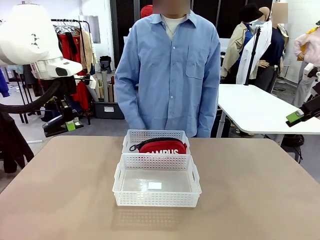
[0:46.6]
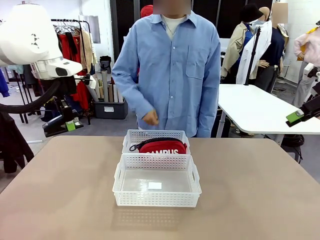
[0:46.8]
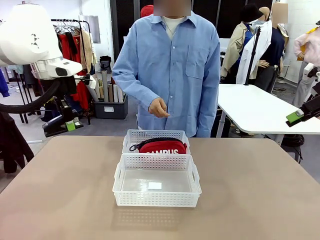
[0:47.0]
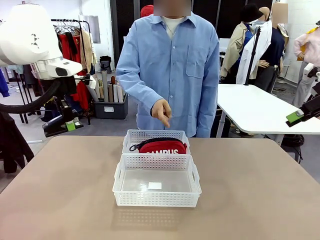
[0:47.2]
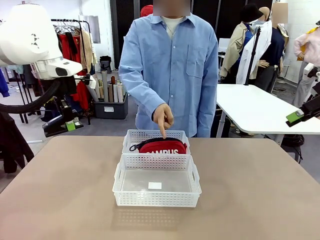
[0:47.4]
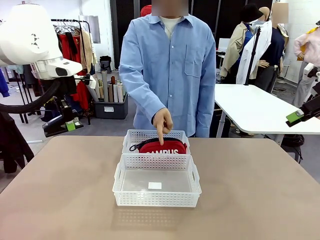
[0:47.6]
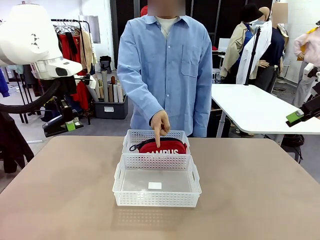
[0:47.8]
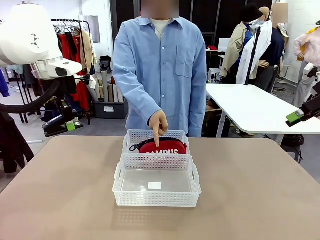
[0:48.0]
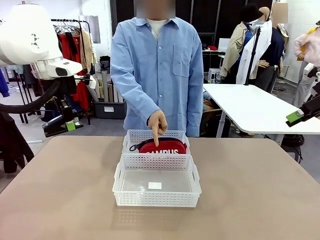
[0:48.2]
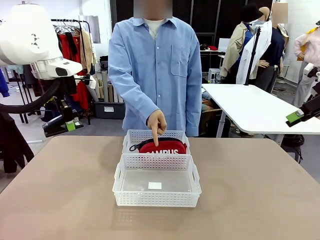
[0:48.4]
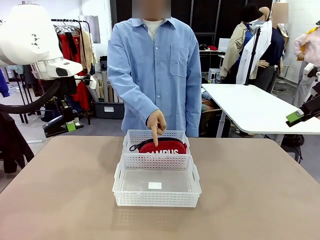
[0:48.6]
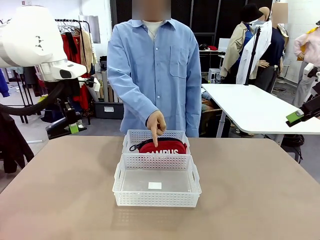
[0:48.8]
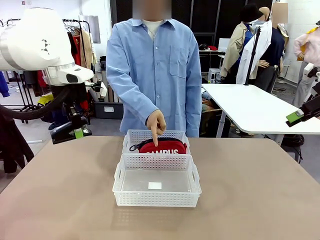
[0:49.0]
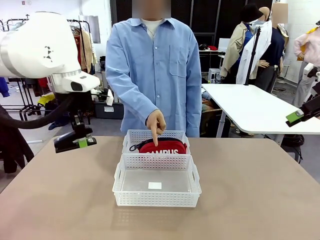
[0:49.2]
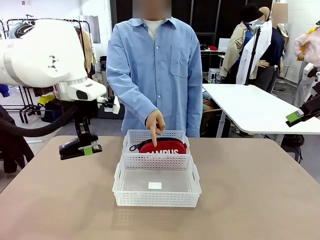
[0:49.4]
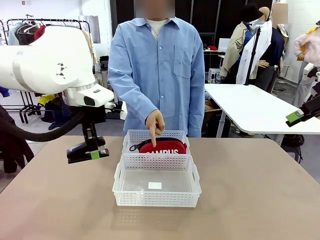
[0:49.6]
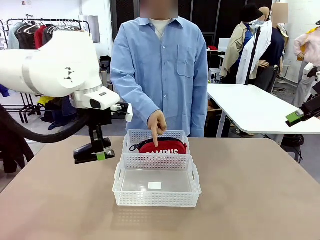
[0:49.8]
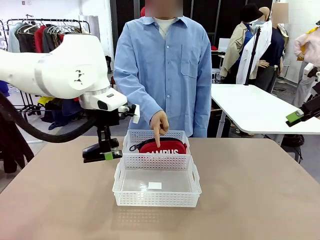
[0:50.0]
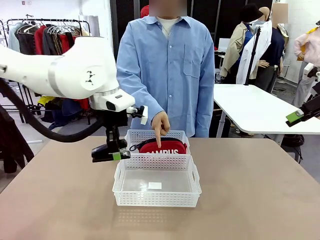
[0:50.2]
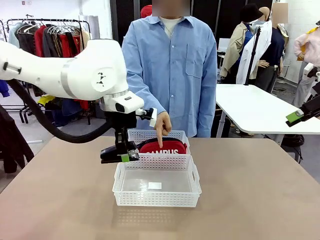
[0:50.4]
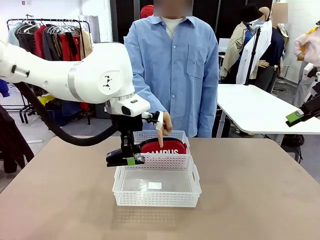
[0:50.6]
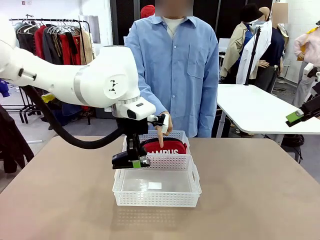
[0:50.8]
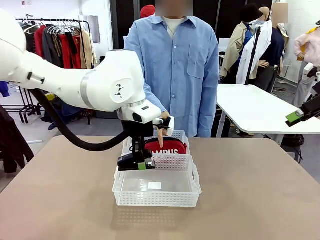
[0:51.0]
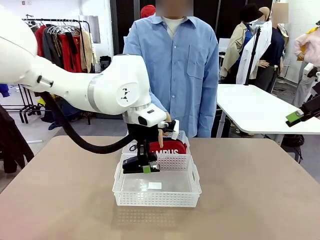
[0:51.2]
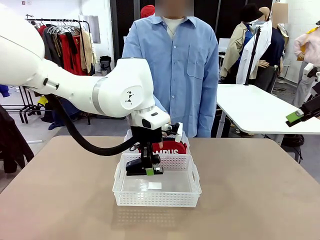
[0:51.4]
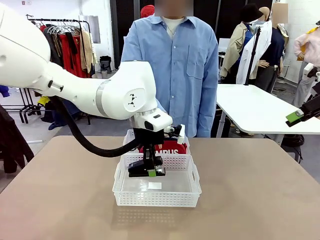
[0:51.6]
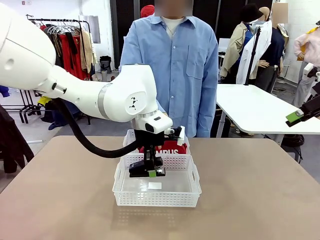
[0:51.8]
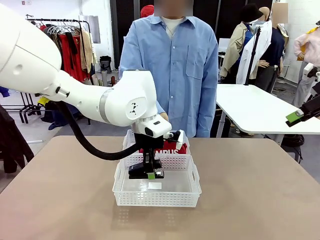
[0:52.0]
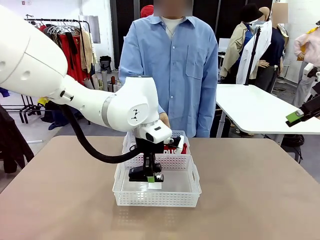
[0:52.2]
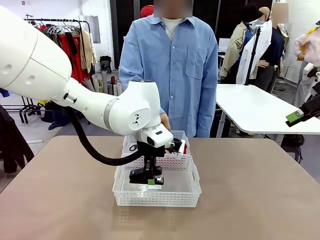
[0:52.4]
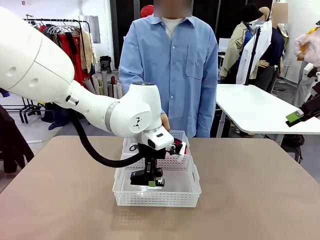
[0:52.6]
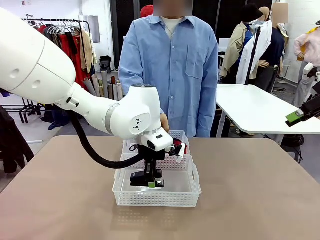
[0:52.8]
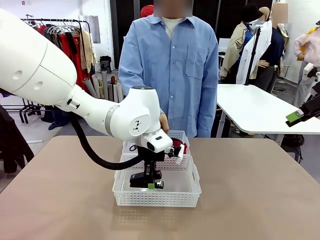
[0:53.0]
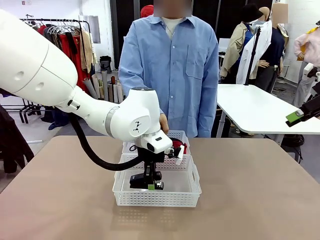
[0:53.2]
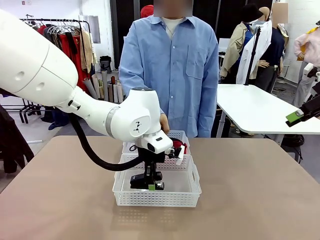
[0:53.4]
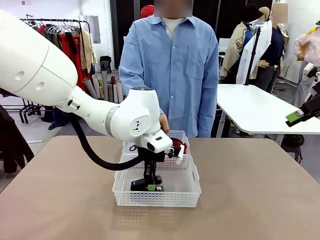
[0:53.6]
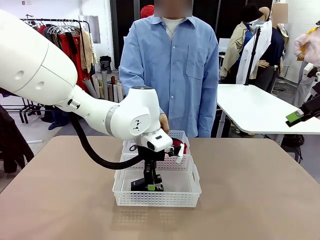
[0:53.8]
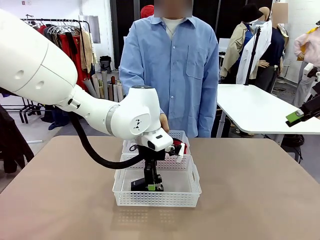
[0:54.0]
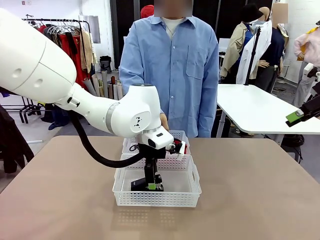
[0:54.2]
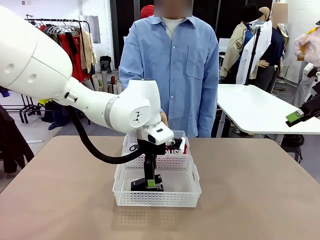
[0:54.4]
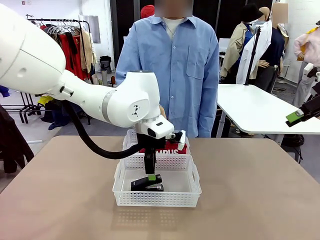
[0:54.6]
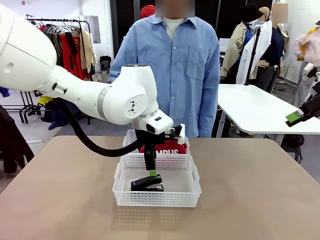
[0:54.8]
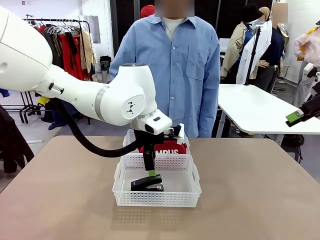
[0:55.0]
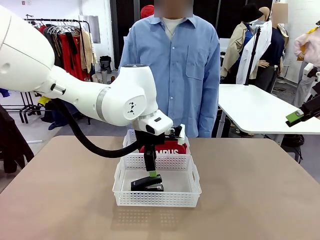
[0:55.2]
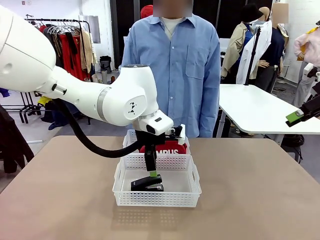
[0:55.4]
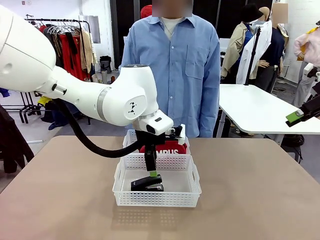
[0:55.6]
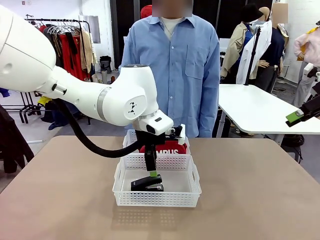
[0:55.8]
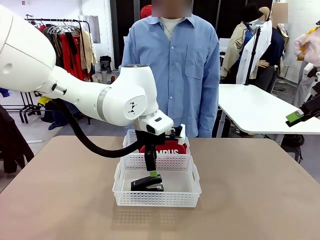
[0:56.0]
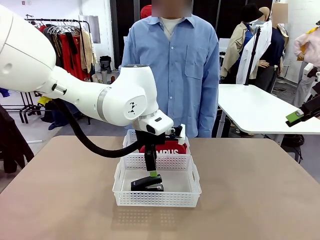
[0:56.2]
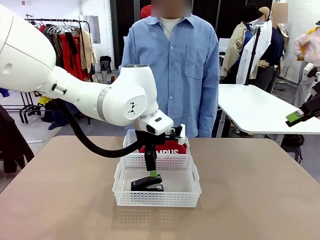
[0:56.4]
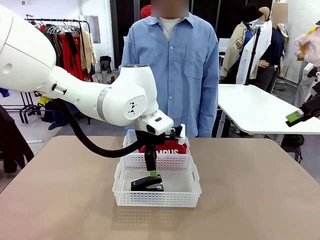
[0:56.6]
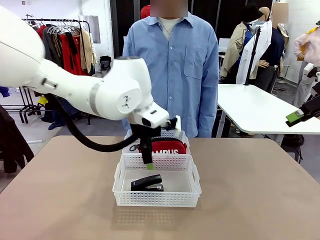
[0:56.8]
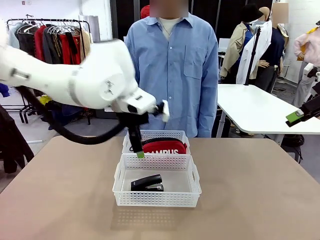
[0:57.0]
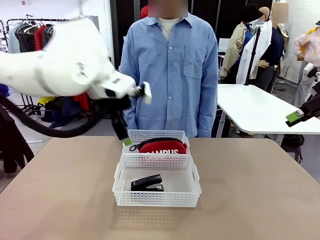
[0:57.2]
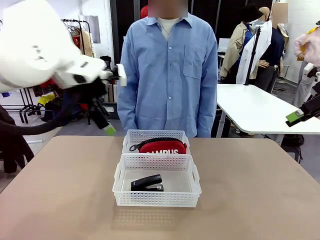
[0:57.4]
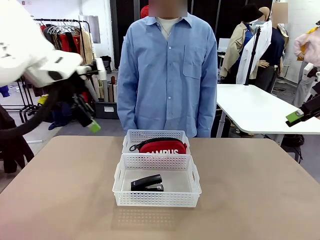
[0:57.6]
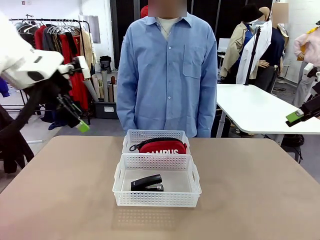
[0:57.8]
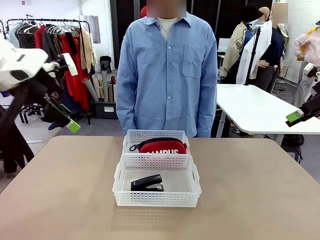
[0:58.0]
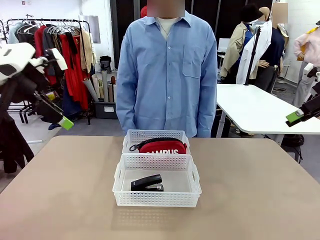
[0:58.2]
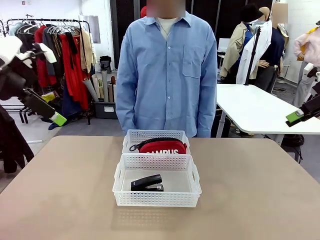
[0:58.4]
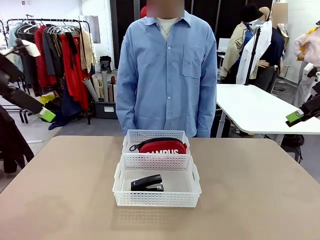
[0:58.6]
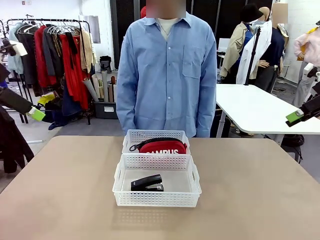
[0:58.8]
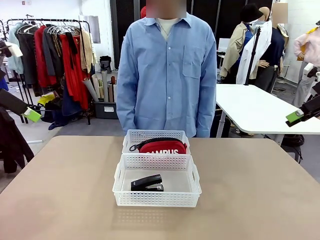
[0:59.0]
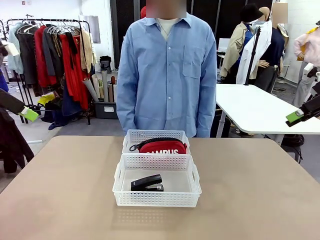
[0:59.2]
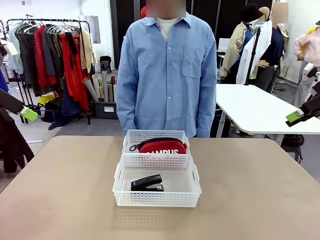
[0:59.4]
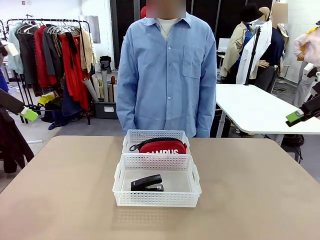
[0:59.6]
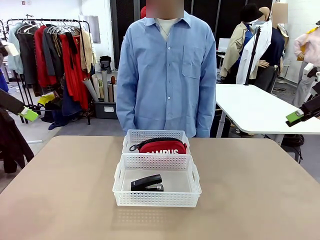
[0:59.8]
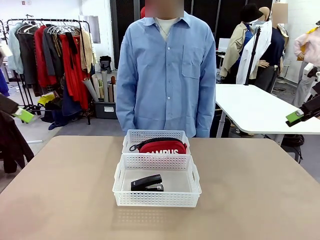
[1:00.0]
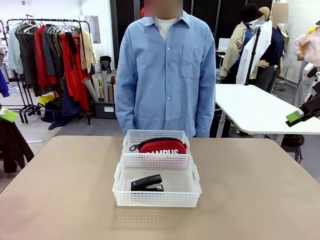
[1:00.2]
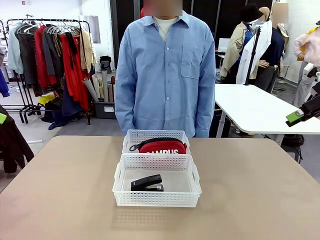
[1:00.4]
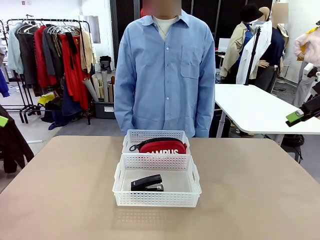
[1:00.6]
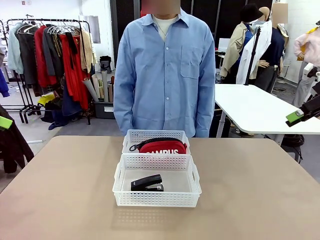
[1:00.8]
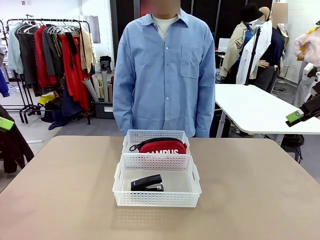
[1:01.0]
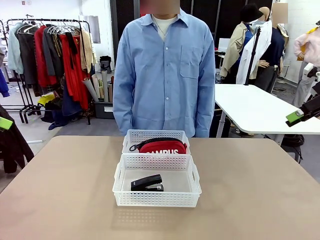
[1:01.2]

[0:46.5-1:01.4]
Task: Distribute items into two baskets.
Robot: Place the picked Stapler into the Organizing basket as instructed by the person.
Person: Points to the basket that does not contain the pencil case and instructs the robot to move the stapler there.

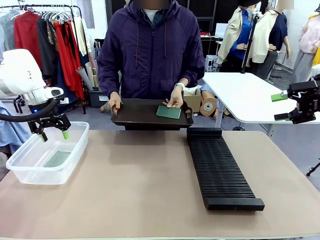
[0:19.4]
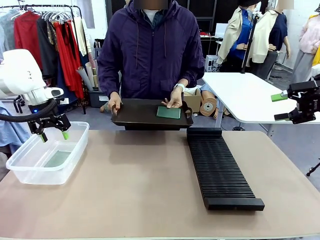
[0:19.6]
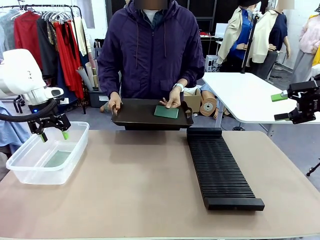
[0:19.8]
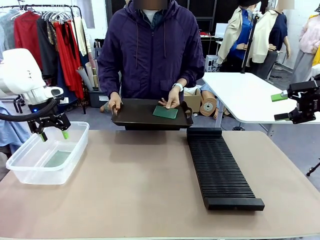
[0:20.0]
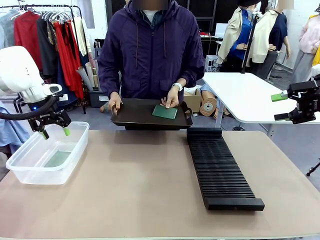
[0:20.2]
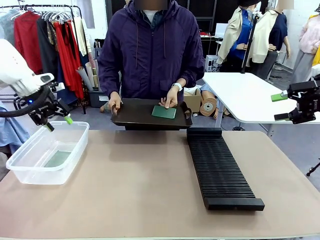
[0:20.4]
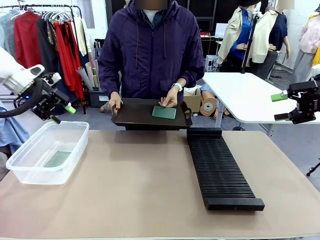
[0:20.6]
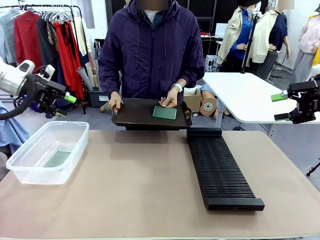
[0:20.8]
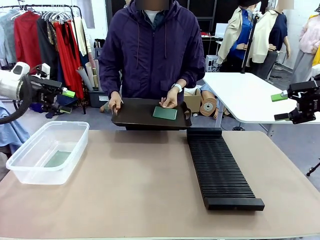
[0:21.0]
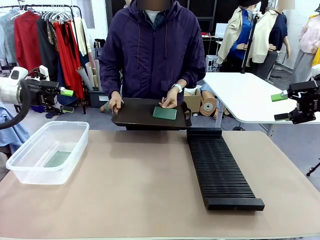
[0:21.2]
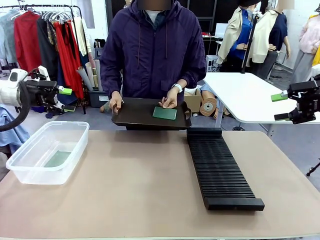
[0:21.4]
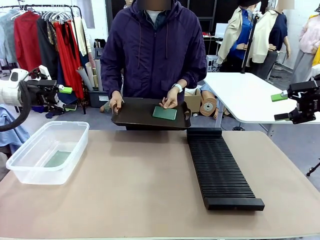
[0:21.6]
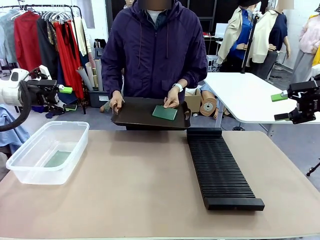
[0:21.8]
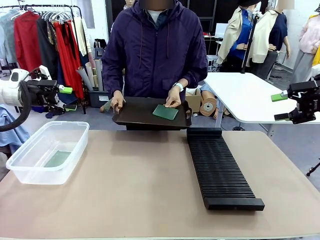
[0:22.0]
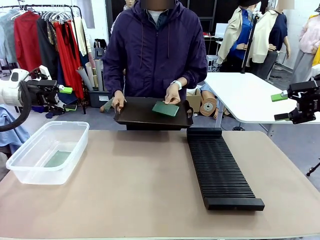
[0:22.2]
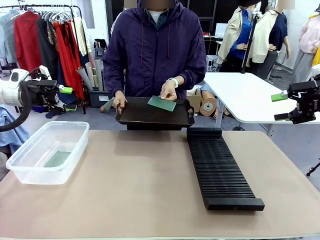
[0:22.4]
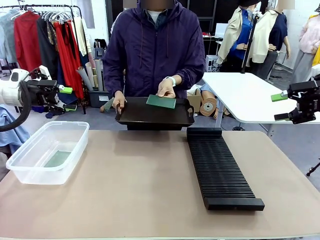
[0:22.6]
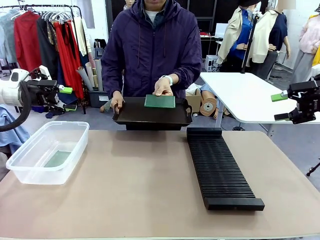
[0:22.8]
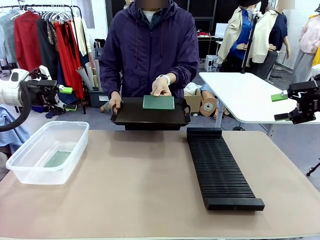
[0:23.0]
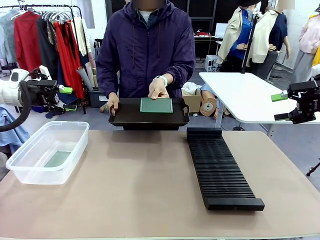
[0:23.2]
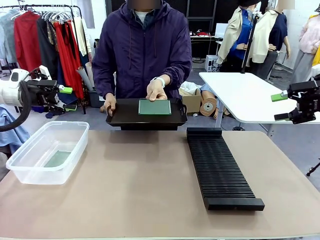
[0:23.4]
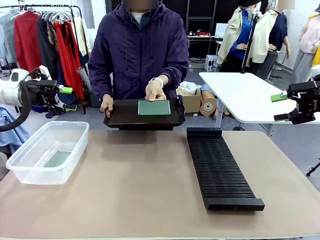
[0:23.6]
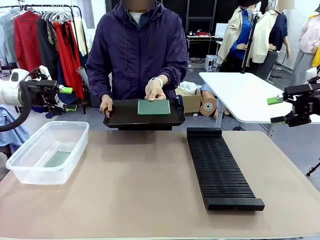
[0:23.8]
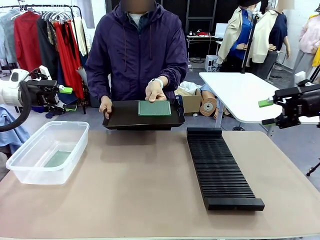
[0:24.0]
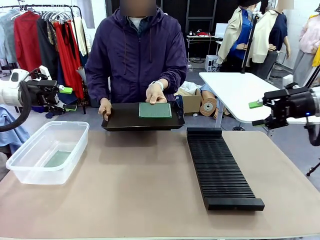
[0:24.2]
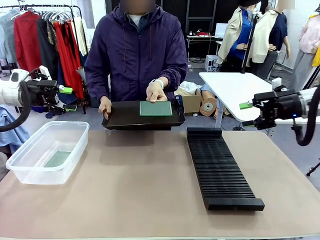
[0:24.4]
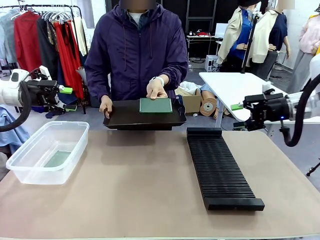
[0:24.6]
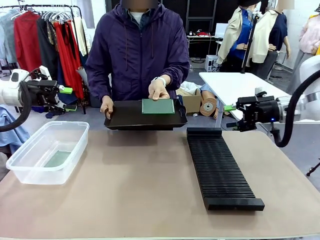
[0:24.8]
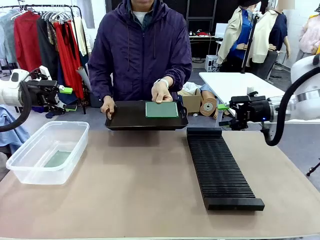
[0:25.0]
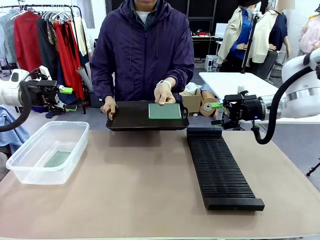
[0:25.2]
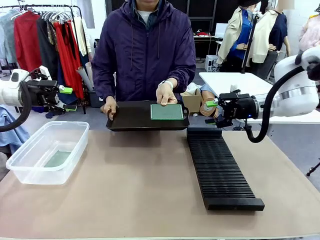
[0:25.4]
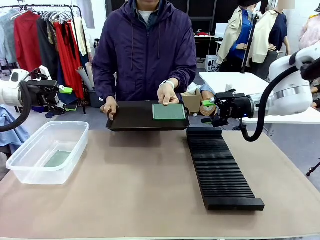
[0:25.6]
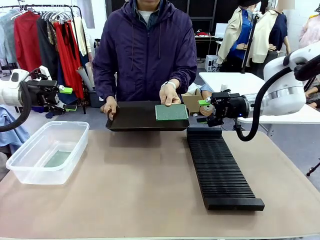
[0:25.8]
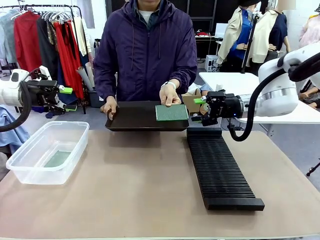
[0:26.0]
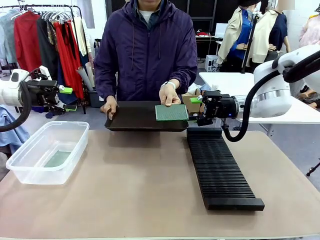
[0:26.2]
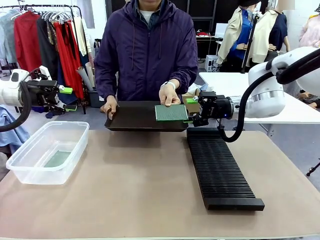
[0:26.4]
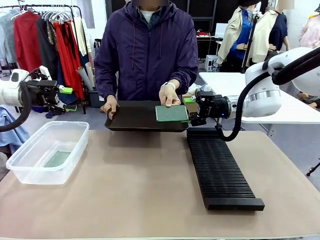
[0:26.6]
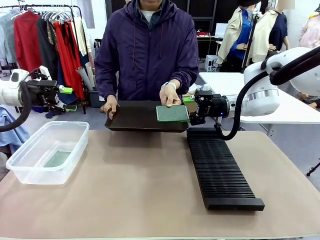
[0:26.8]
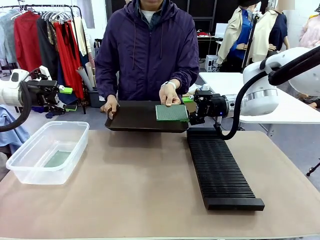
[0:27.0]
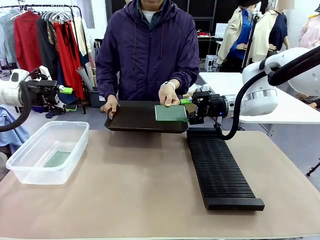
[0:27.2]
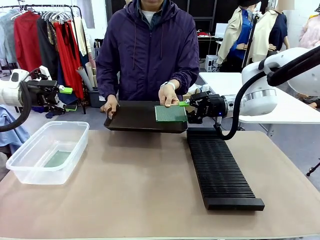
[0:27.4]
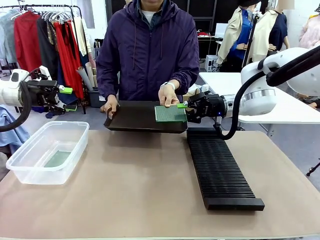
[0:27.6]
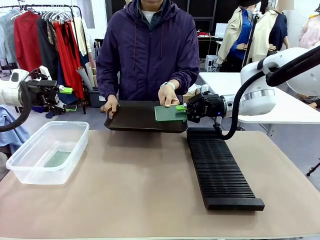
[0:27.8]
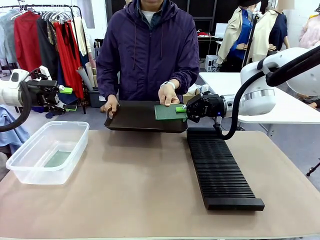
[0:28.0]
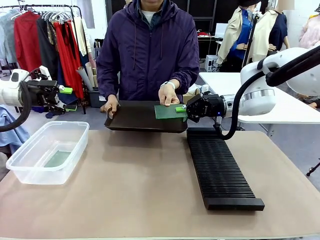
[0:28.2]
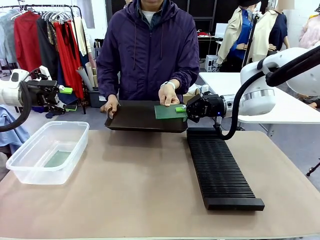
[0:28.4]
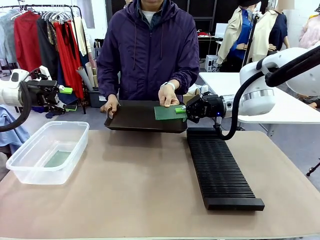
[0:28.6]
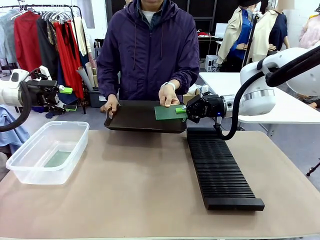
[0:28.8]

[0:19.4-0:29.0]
Task: Sort PCBs into racks and boxes based on the side picked up.
Robot: Pick up the Blank PCB handed by the Human.
